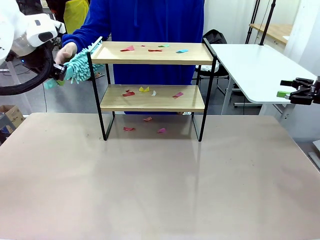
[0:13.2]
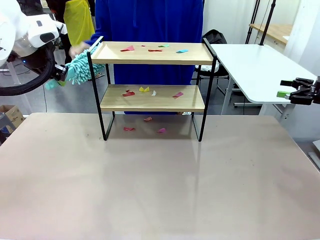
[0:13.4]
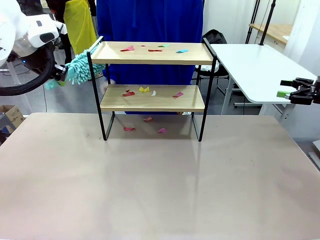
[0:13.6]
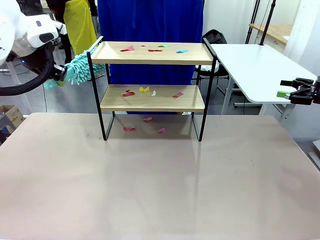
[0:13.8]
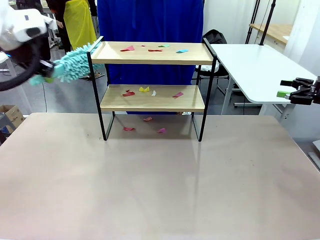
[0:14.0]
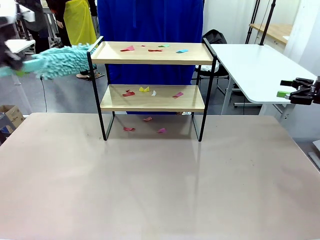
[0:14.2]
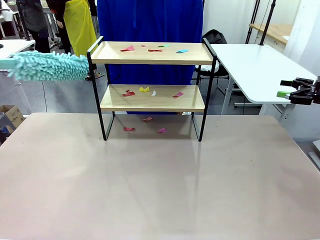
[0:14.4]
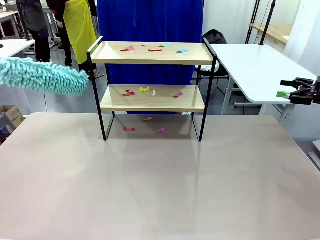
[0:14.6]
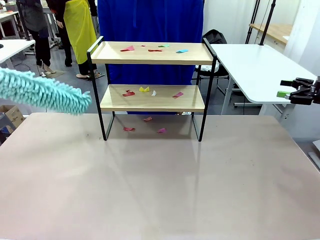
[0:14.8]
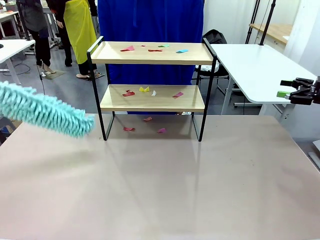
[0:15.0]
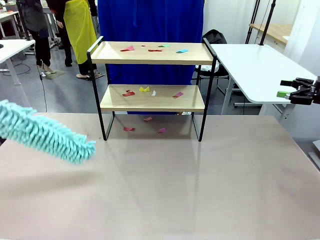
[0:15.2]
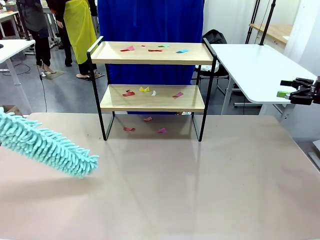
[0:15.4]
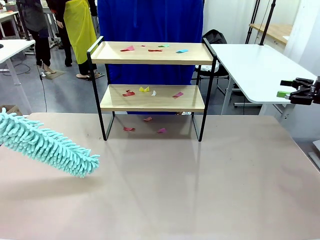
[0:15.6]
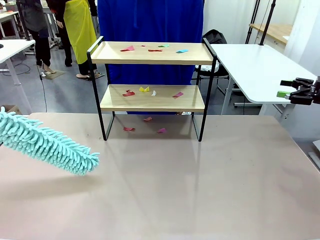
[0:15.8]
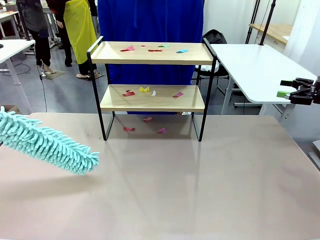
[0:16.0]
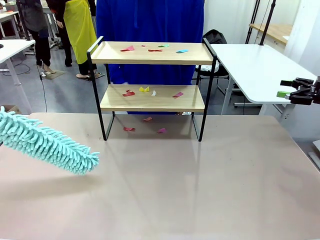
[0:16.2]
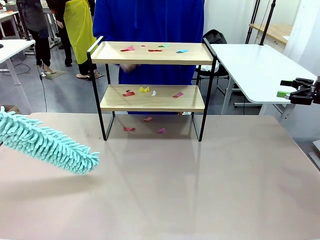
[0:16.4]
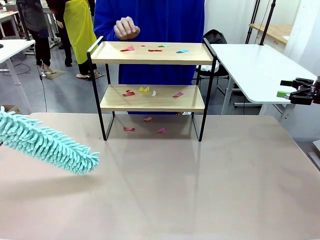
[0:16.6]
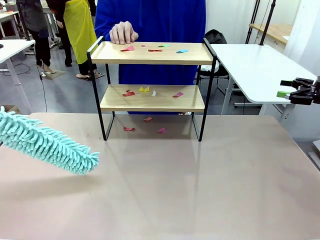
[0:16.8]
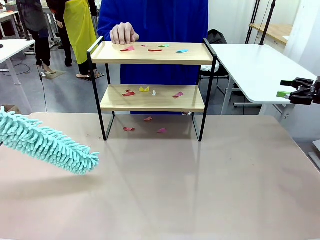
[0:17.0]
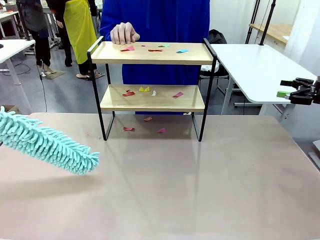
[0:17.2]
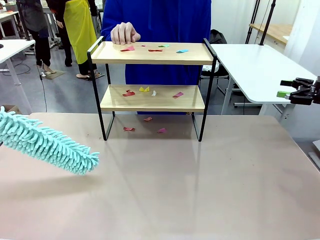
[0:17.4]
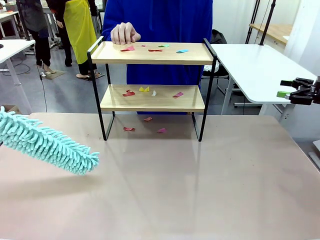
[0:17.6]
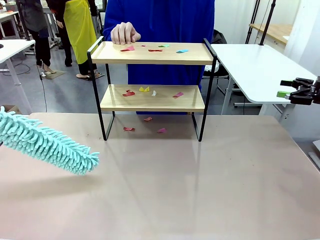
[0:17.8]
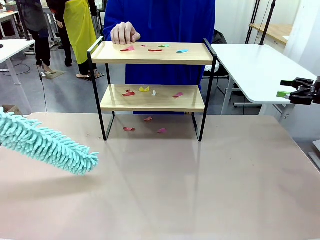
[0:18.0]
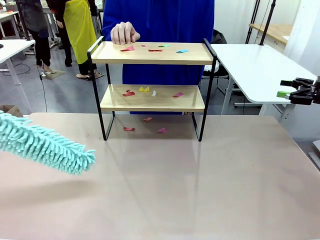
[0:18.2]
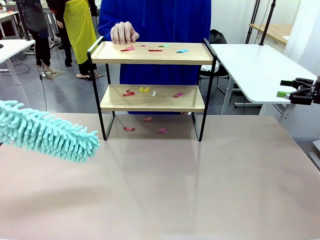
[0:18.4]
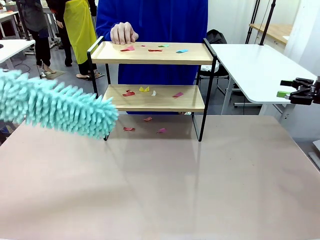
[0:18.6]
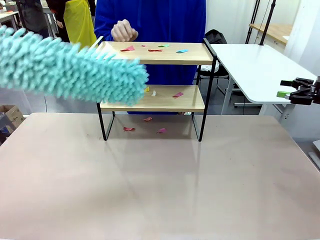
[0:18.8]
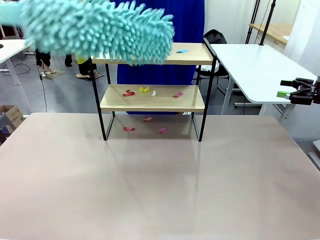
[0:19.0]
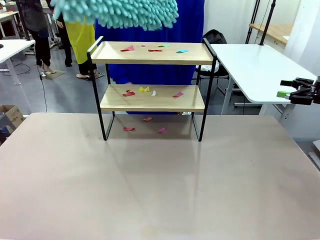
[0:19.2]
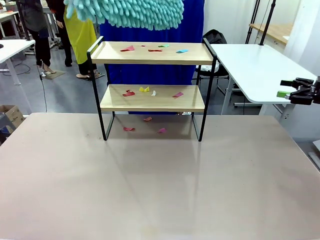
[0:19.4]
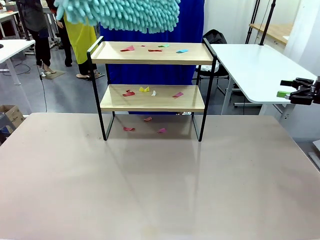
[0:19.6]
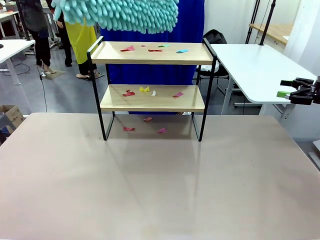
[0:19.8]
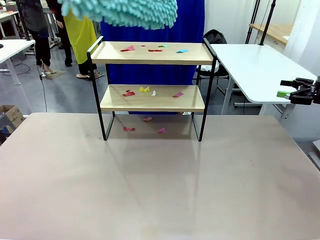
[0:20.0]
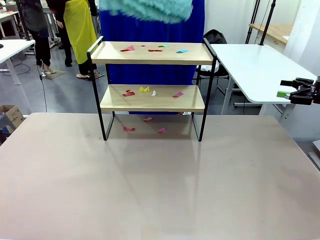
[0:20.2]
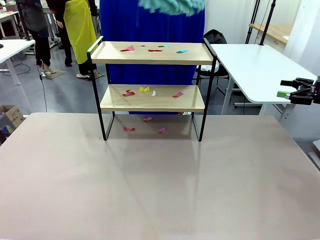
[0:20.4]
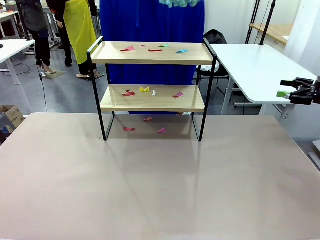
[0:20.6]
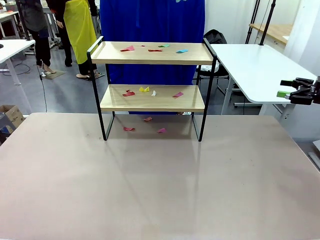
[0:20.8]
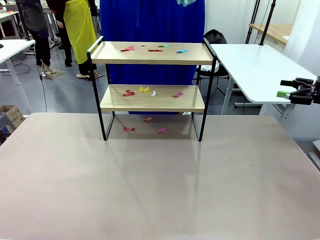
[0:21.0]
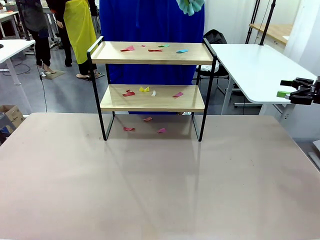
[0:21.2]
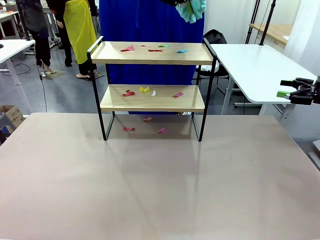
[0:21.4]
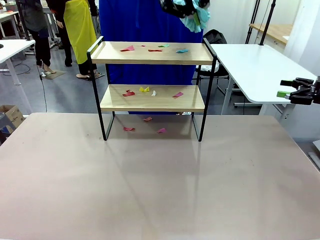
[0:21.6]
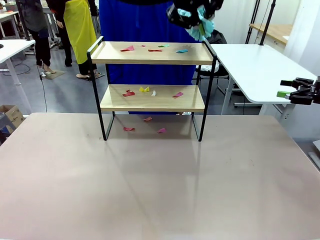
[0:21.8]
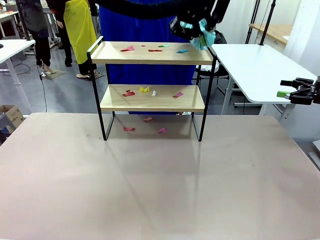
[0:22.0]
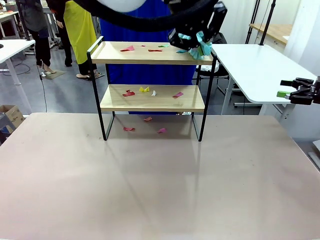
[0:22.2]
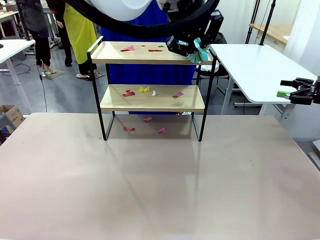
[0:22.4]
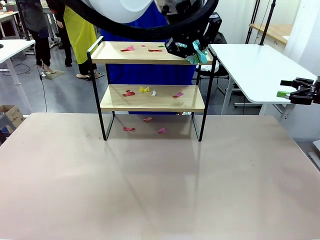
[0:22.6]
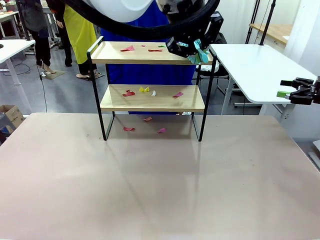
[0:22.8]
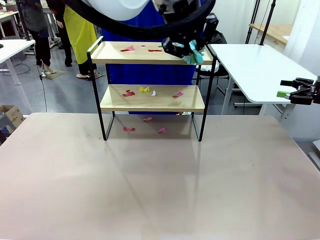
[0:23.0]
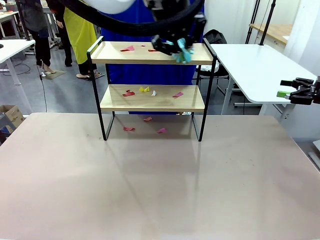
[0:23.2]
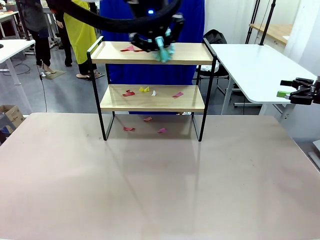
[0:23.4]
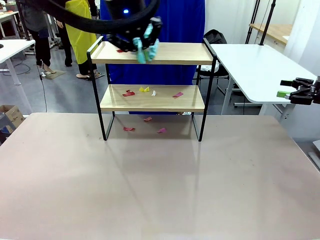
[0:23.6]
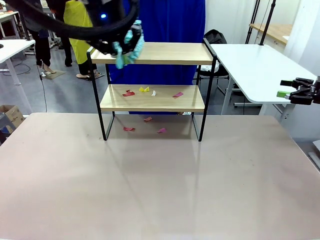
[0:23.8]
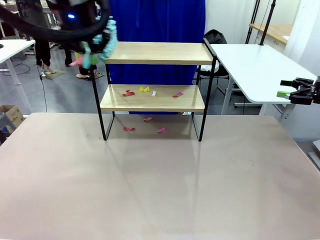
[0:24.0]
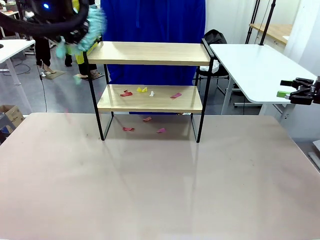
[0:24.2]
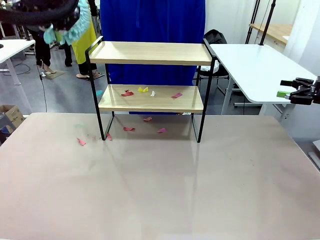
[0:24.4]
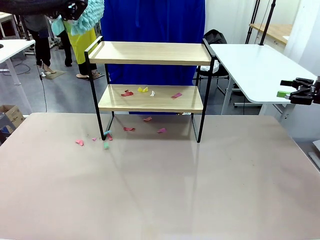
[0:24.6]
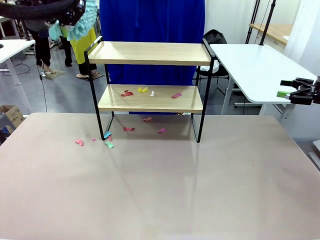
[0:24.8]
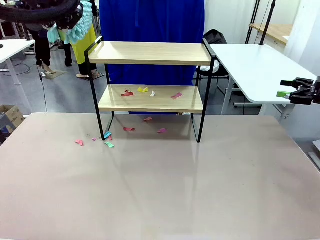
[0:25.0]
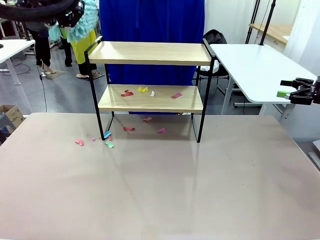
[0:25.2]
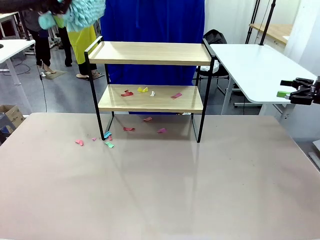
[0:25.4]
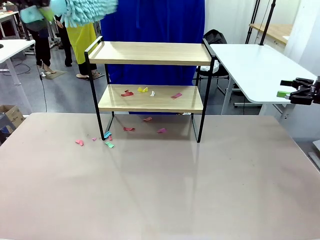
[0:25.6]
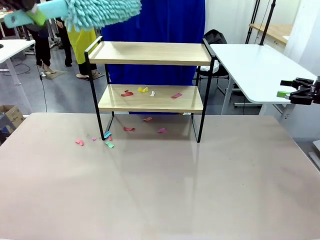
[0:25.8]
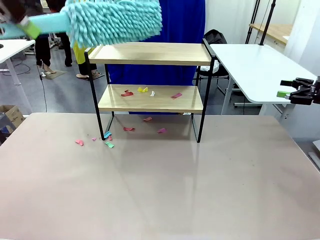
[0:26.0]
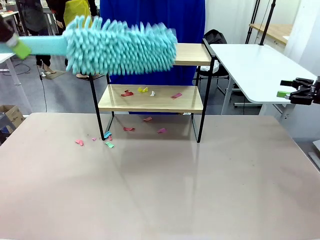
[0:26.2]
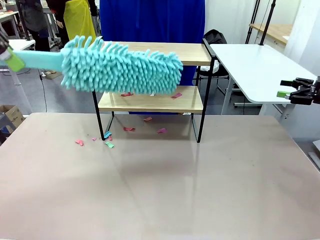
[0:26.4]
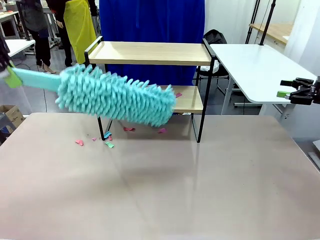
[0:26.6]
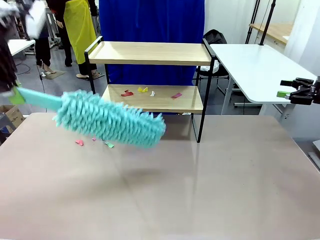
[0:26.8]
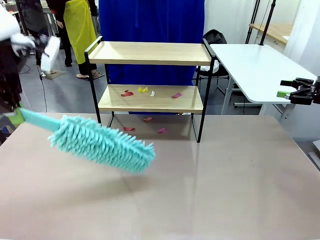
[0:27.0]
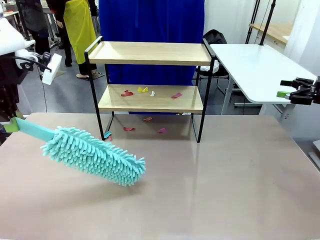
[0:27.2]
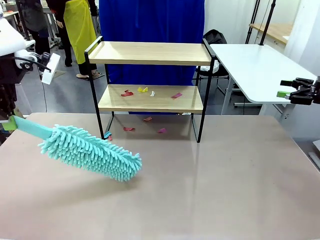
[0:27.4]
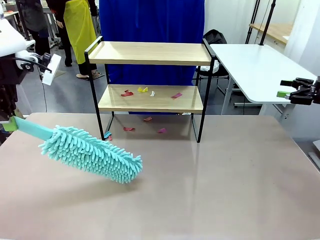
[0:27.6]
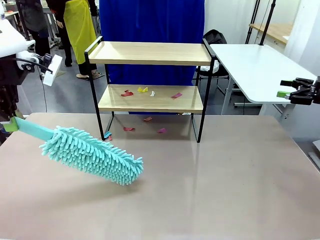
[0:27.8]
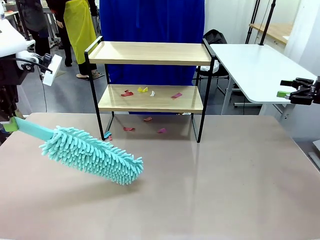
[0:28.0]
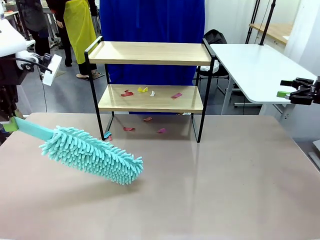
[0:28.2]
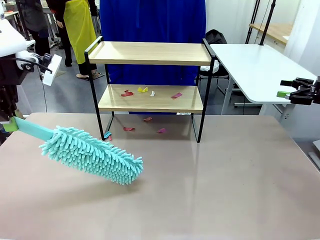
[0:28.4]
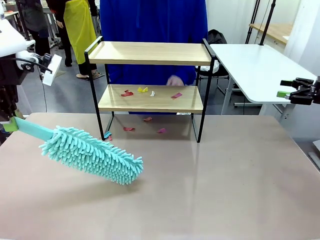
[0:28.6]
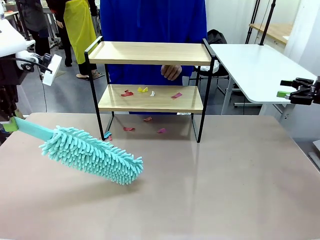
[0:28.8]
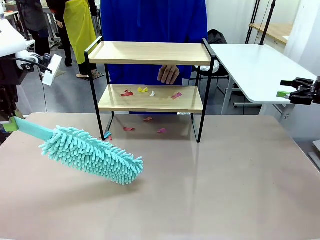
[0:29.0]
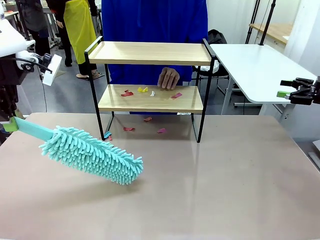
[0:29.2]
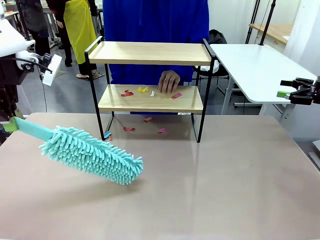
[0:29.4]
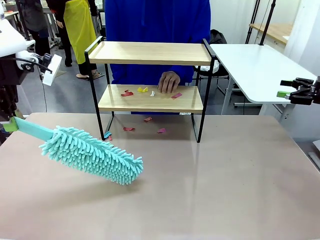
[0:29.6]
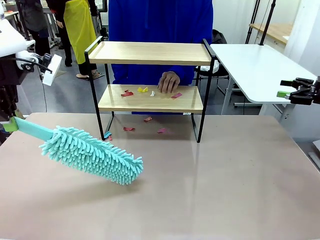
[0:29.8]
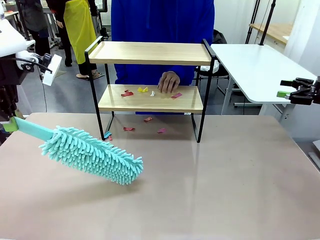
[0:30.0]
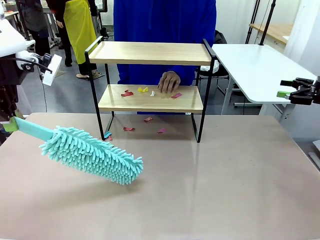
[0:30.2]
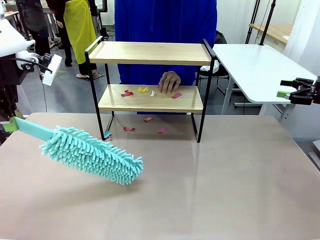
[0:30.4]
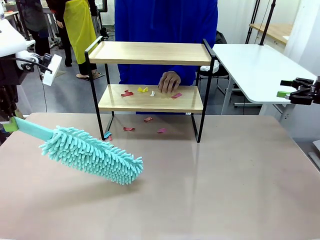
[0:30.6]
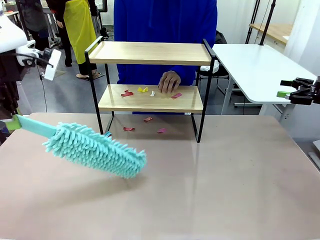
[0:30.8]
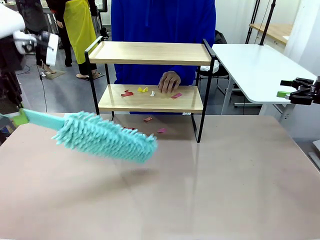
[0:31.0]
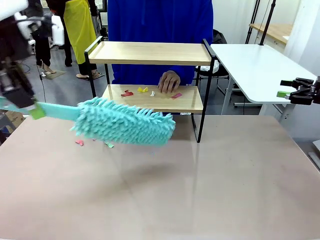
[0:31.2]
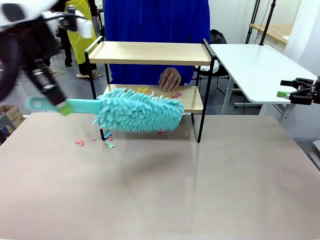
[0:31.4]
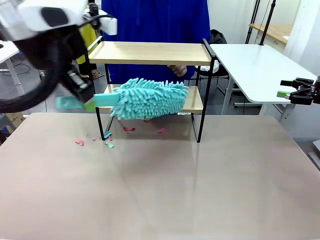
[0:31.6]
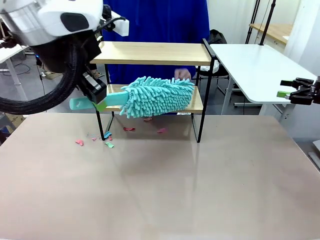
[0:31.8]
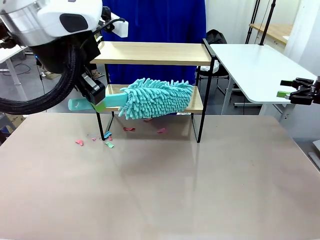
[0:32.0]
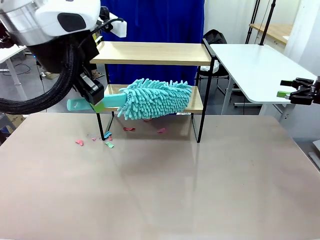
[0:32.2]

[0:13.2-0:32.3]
Task: Clean the shelf.
Robot: Clean the specific section of the Shelf indicated by the human with the Duster.
Person: Point a random section of the Shelf.

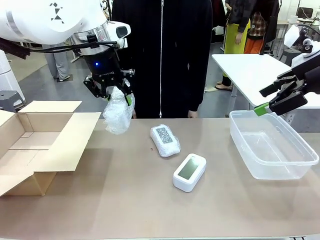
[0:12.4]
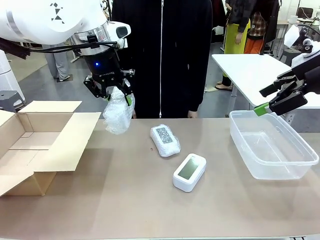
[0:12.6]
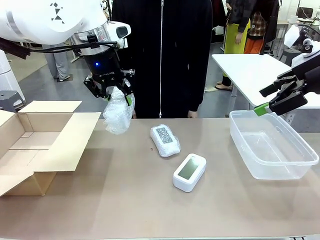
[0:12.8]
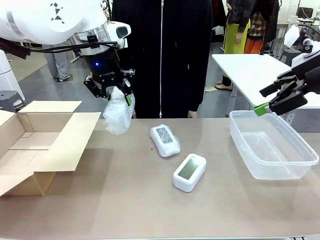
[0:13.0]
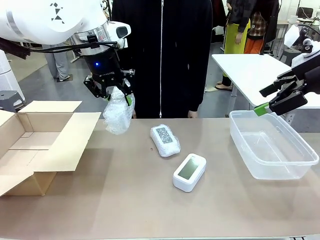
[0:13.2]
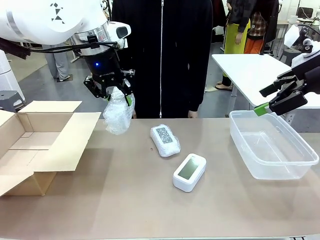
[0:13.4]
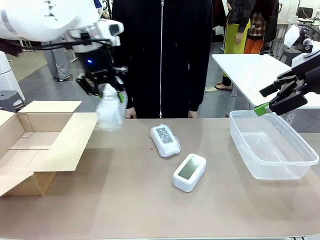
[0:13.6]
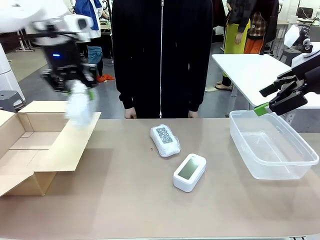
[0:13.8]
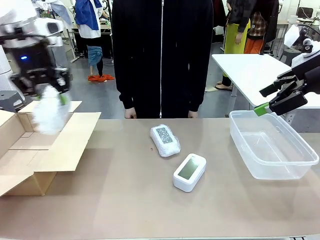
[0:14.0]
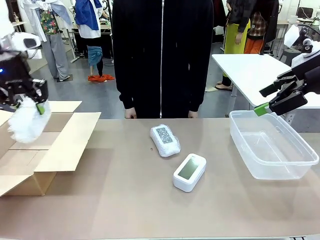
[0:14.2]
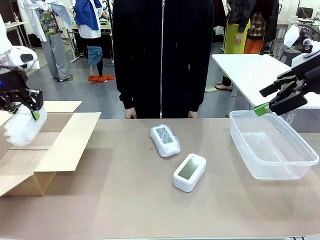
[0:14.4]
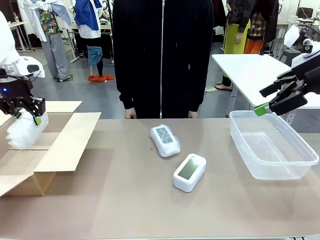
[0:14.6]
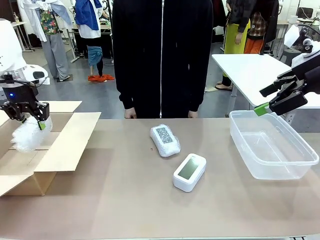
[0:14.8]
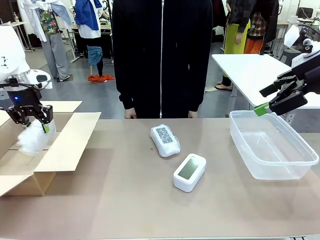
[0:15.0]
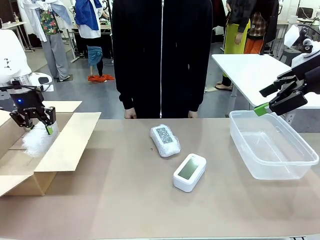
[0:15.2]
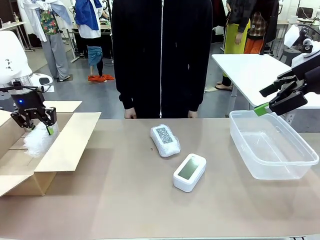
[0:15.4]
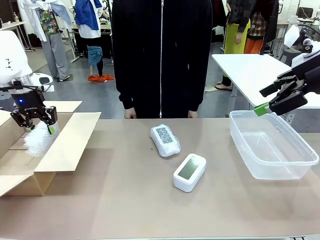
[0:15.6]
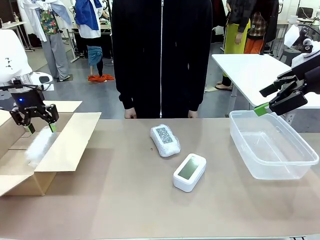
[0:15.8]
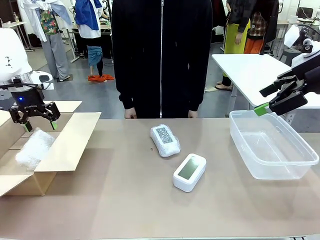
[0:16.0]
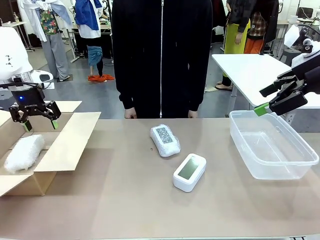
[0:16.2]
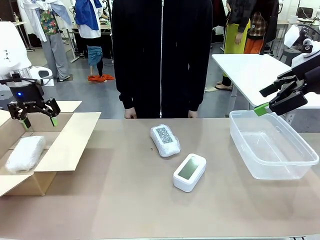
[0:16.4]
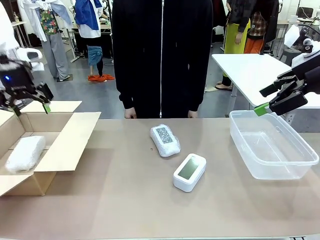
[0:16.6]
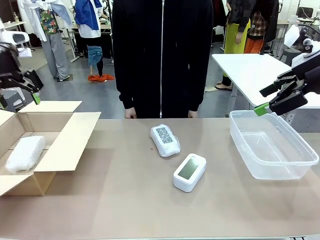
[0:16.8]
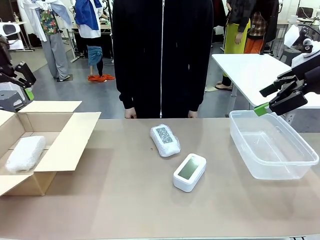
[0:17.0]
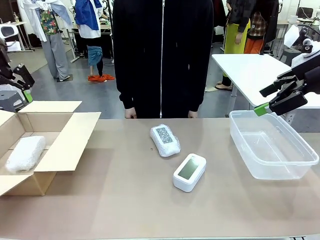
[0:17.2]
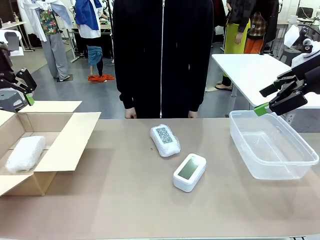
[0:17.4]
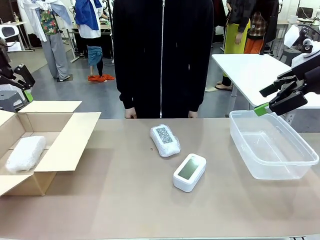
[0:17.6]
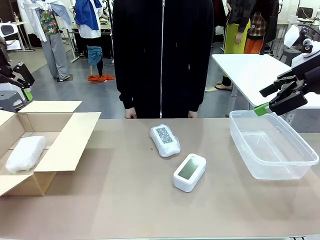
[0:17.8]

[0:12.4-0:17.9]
Task: Separate and place wrapped and unwrapped clocks.
Robot: If the picked Digital clock is wrapped, place it in the Package Box ; if not, place it in the Organizing box.
